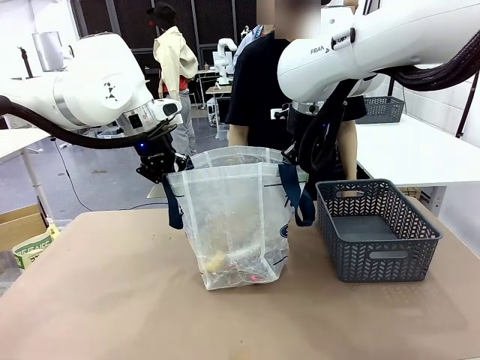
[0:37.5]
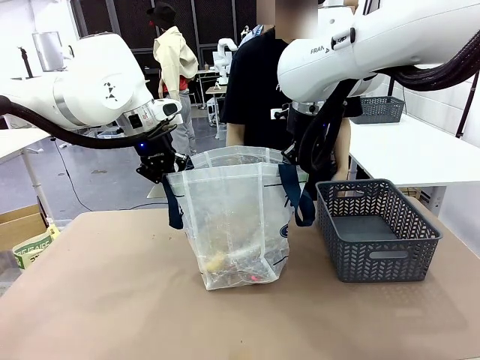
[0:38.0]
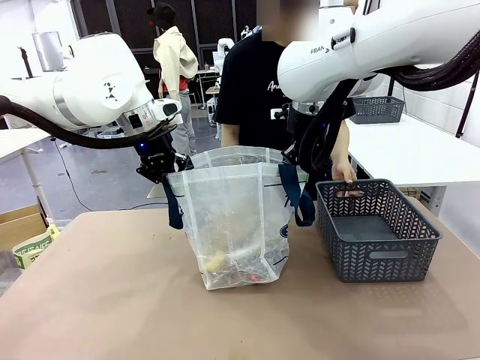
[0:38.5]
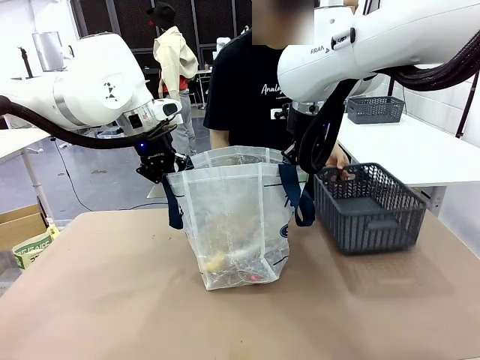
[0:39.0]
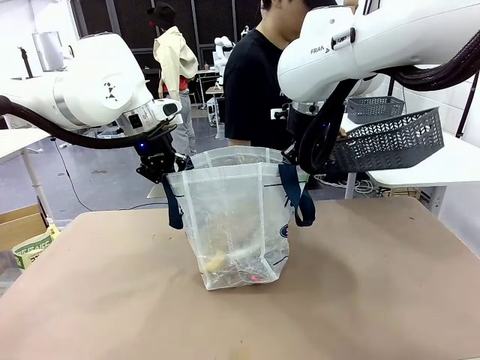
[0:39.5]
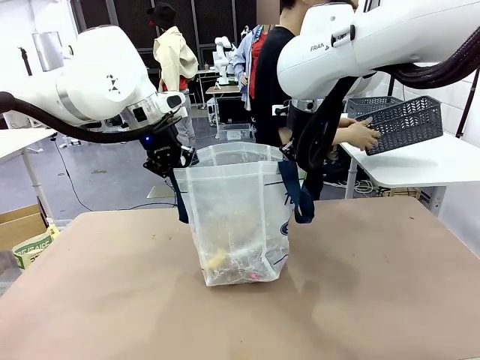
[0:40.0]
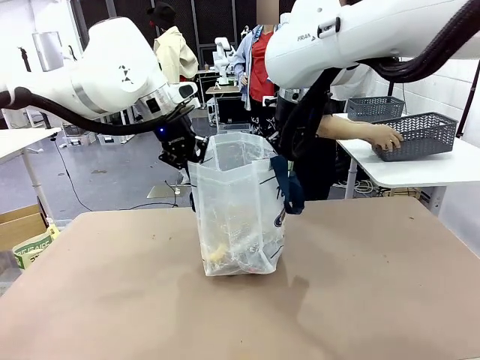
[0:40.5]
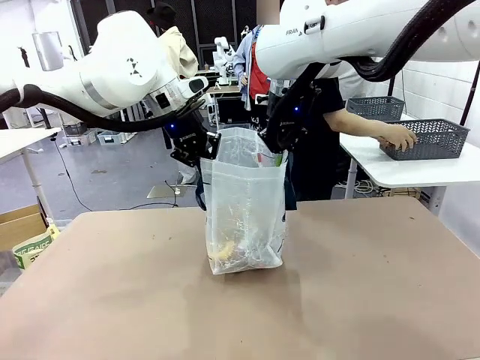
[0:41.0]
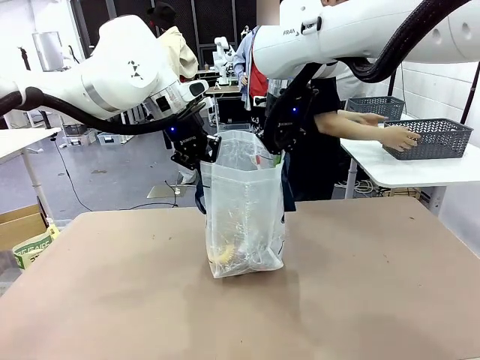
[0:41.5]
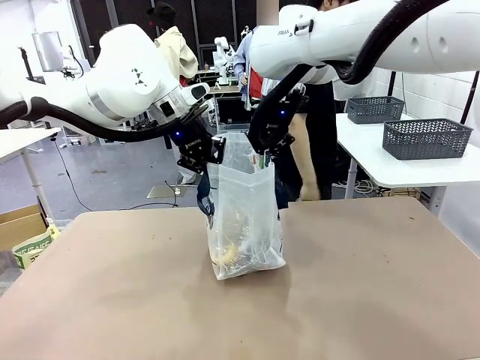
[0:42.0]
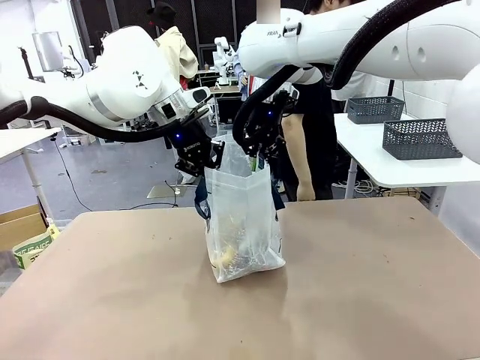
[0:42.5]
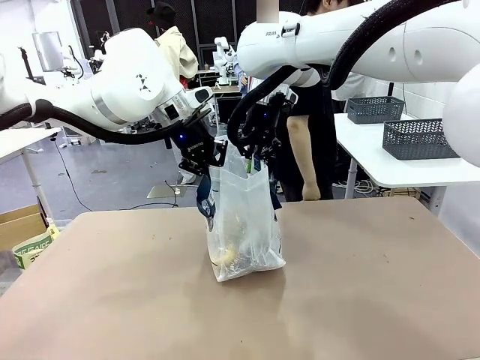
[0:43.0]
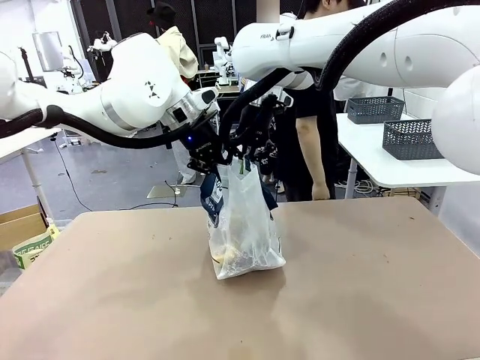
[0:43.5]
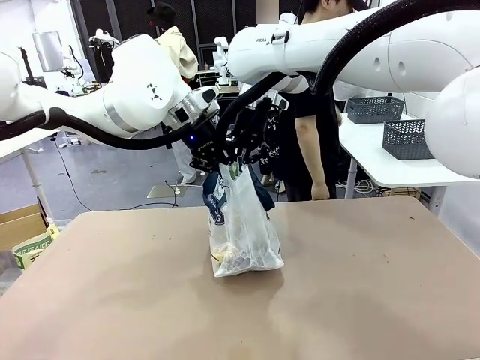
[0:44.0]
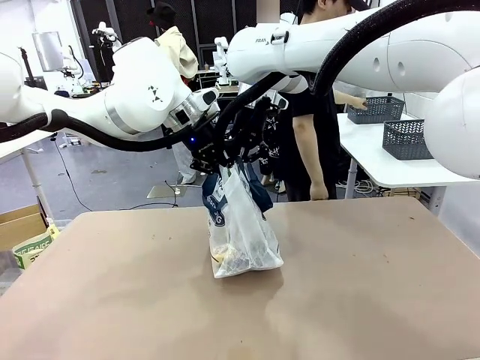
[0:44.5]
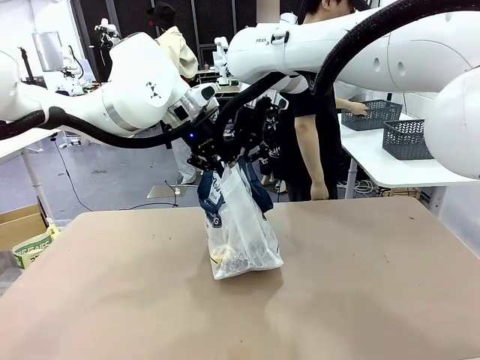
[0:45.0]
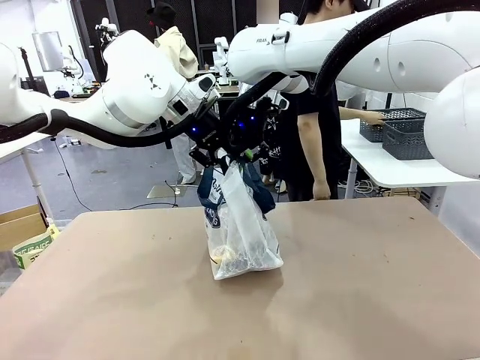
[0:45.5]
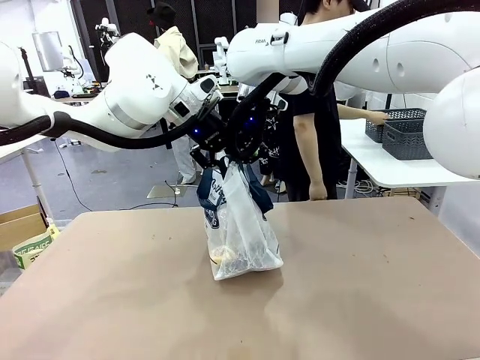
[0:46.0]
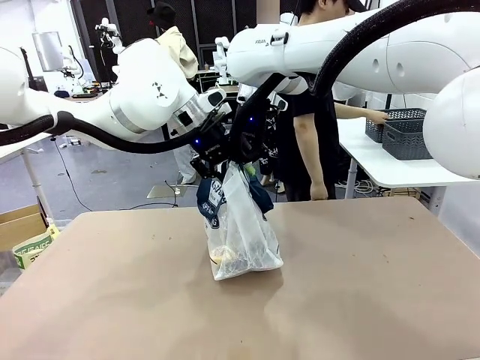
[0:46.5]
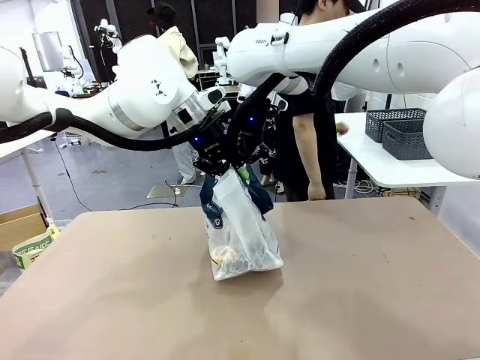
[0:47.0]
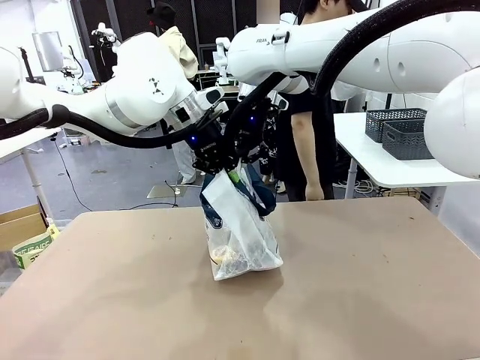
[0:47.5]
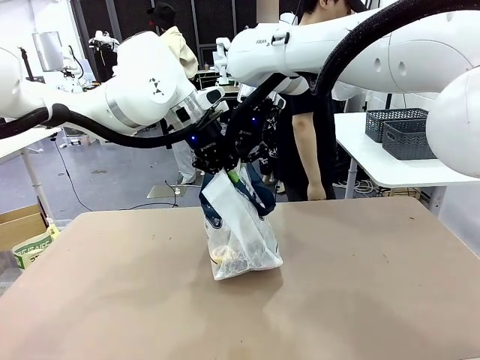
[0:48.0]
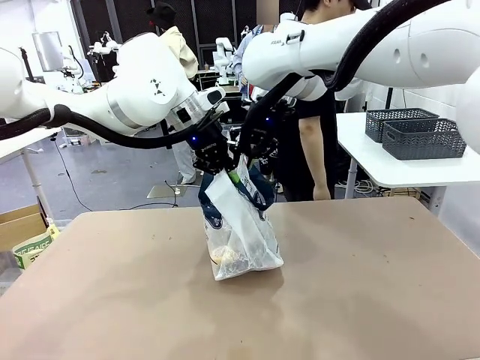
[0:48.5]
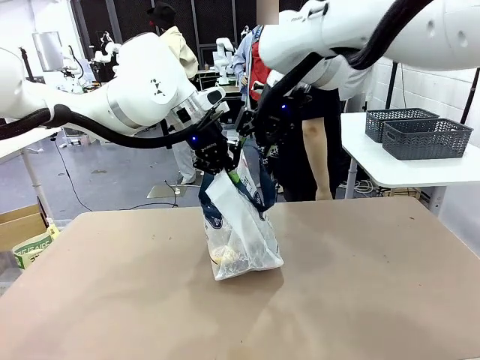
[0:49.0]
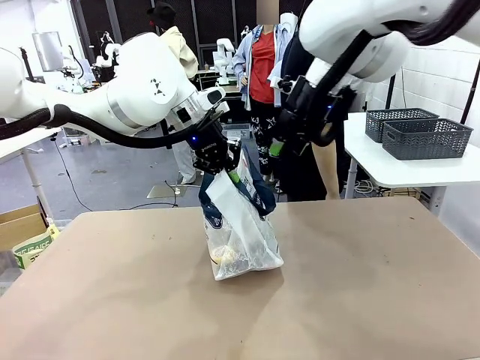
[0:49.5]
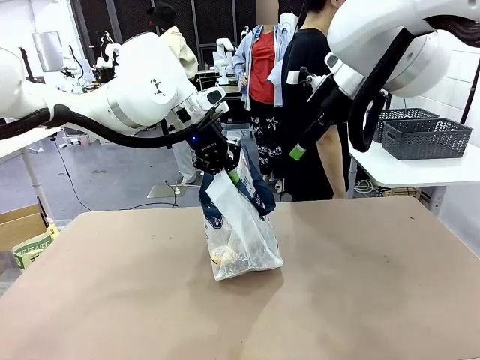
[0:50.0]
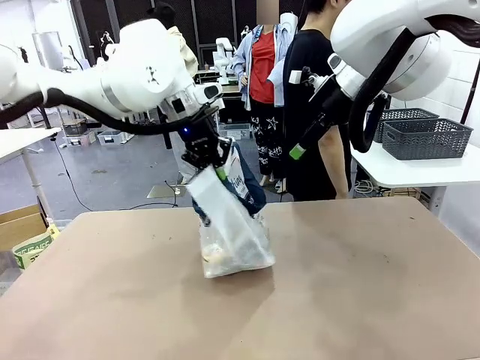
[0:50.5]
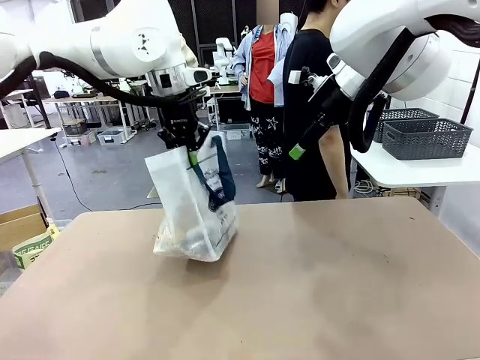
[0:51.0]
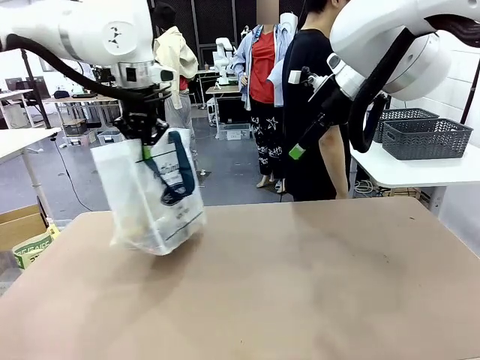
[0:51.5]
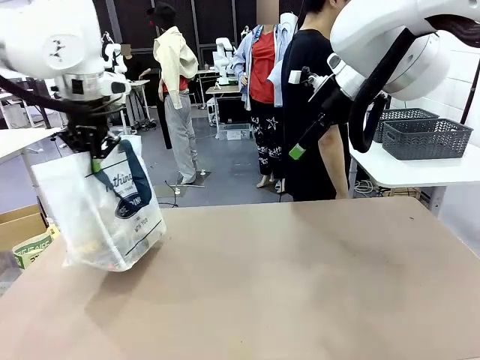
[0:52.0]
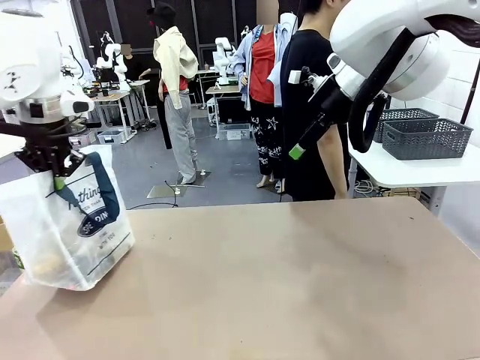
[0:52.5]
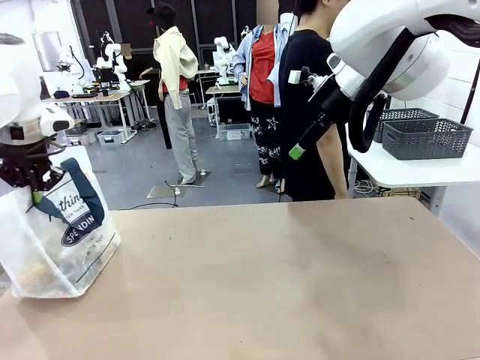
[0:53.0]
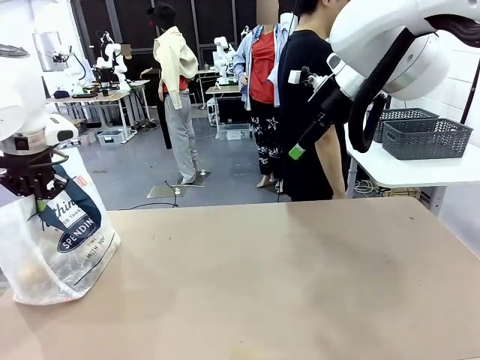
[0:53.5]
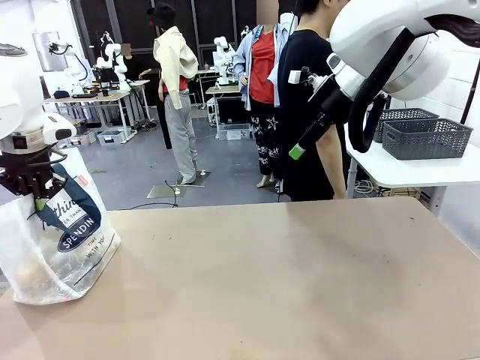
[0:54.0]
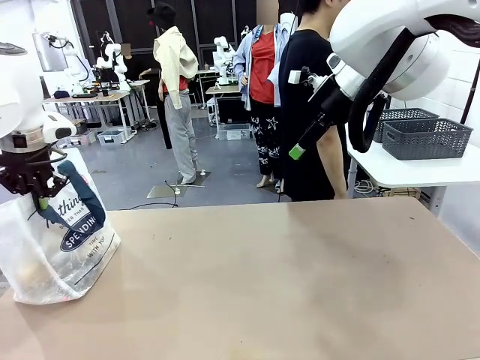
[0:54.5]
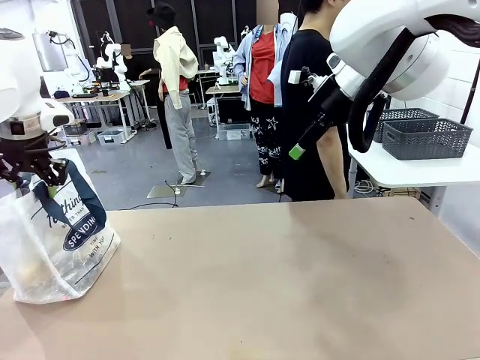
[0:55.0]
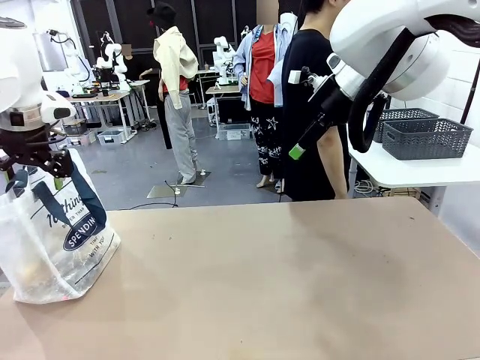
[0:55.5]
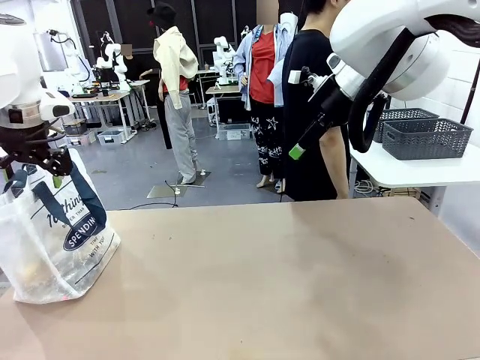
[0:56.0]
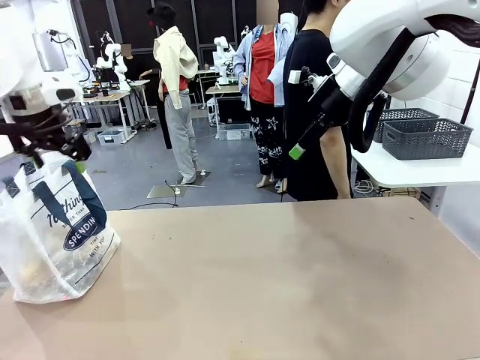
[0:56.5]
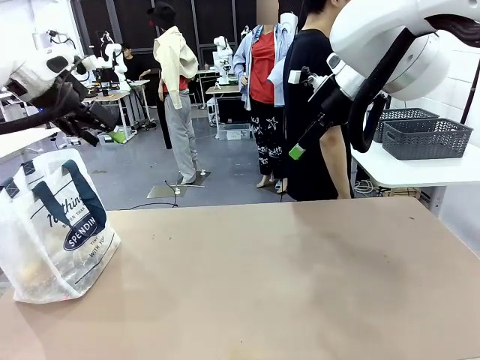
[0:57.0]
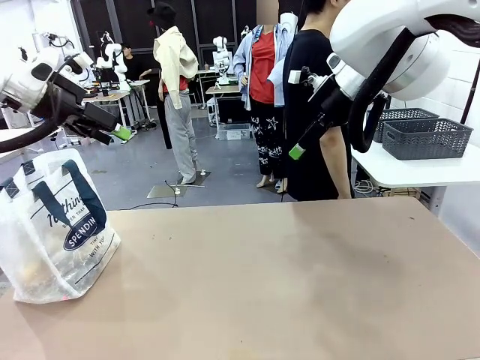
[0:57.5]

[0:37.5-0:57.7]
Task: Transfer purchased items from the store into the shopping bag.
Robot: Move the Reusable shopping bag to the right side of the table.
Person: Pick up the basket with the items out and place it on the right side of the human table. Move the basket on the left to the middle of the person's table.

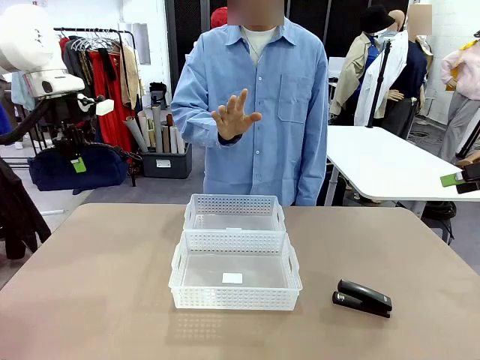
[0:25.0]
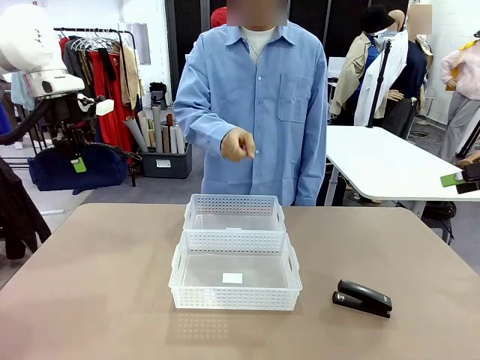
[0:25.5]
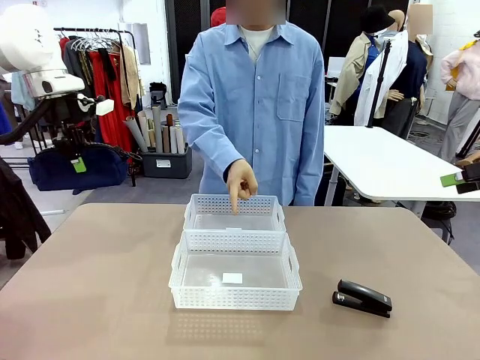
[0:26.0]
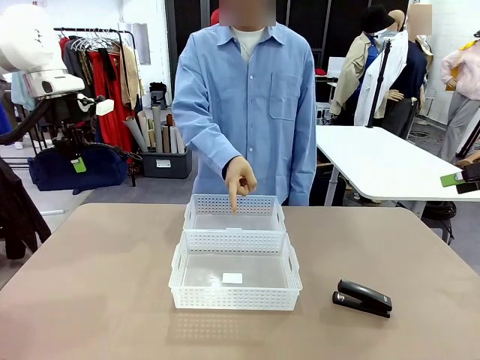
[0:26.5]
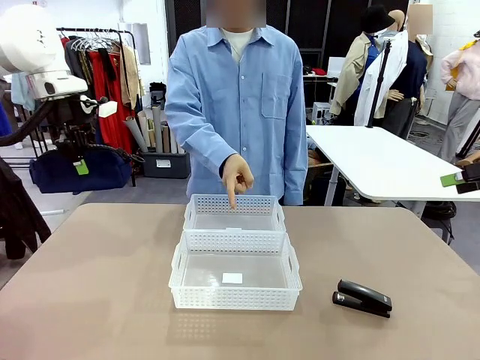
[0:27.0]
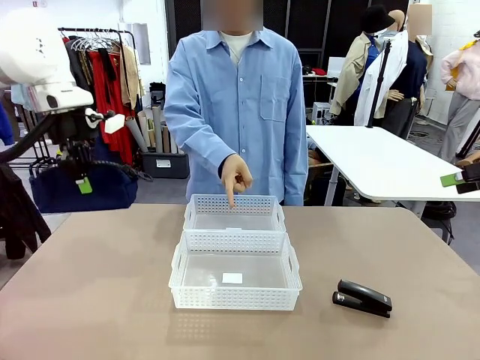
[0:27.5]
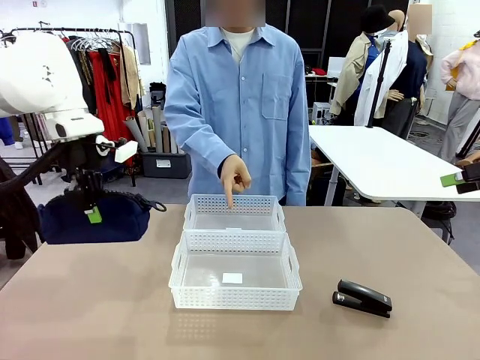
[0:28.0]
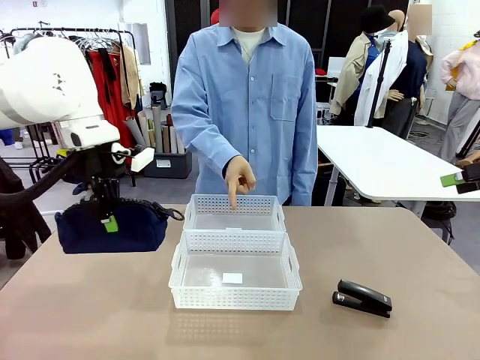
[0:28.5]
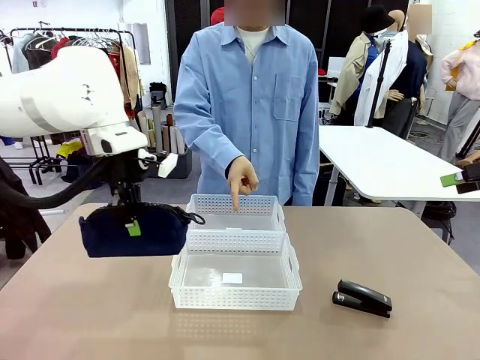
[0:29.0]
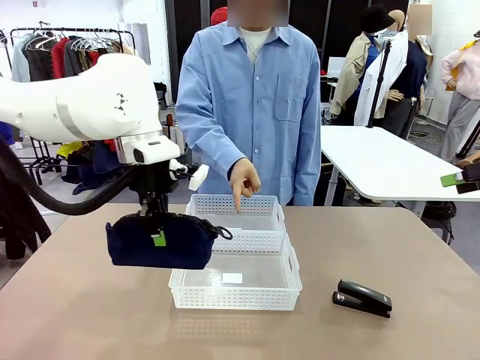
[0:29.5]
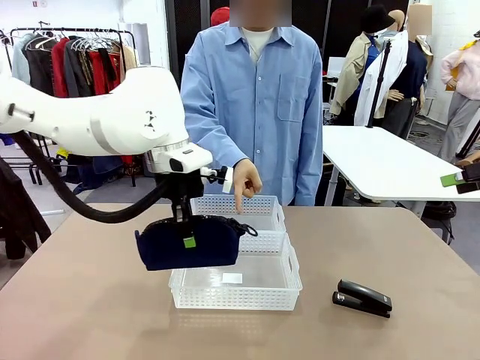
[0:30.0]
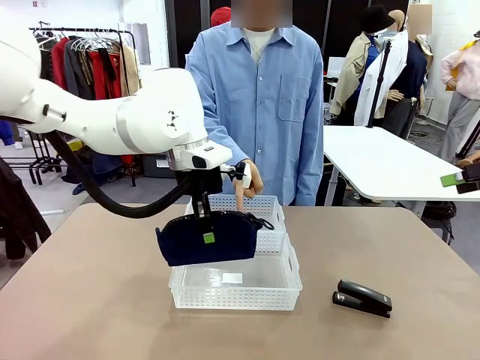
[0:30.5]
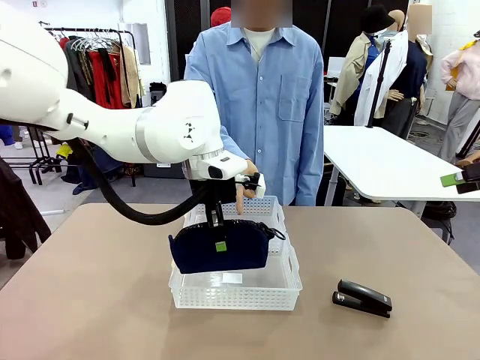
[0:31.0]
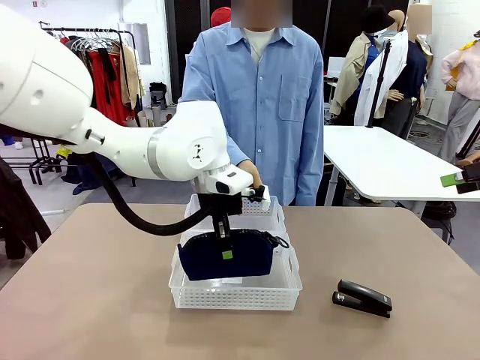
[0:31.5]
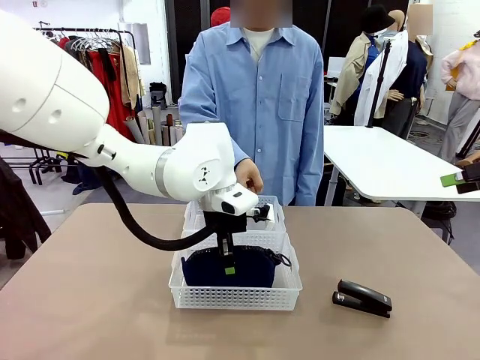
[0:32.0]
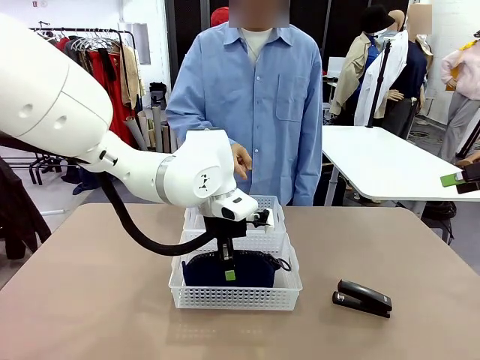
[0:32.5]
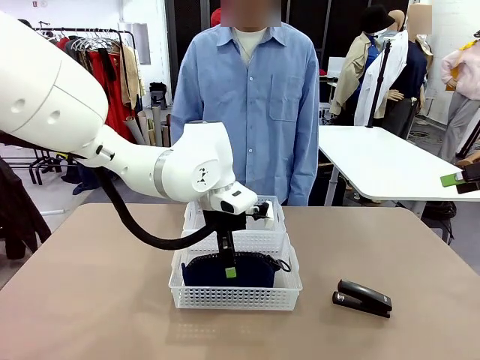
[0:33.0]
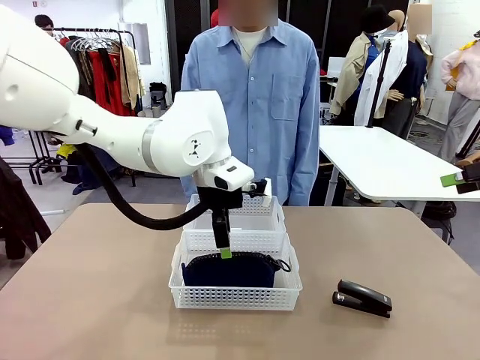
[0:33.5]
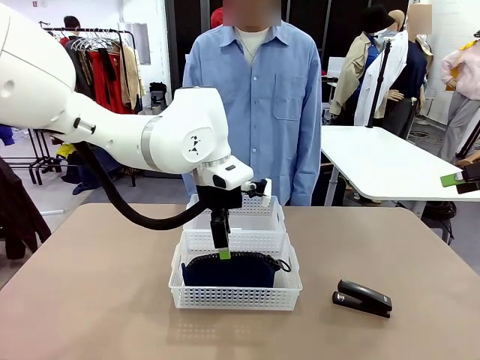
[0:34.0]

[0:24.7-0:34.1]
Task: Distribute items into two baskets.
Robot: Place the picked Pencil pouch into the Organizing basket as instructed by the person.
Person: Instructs the robot to place the pencil case into the opposite basket. Points to the stapler.
